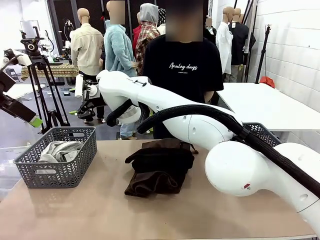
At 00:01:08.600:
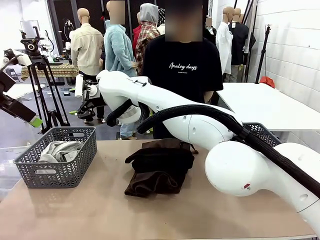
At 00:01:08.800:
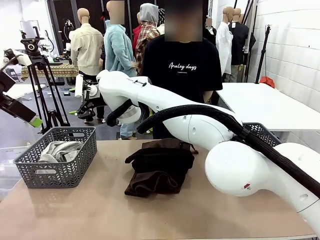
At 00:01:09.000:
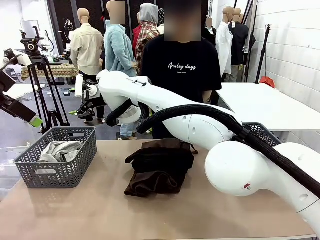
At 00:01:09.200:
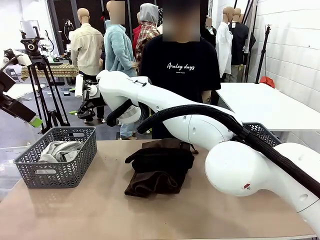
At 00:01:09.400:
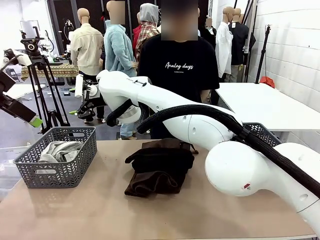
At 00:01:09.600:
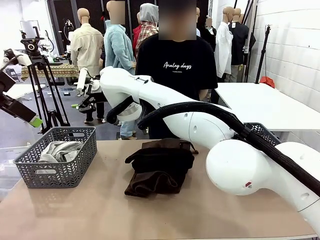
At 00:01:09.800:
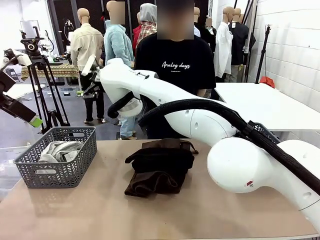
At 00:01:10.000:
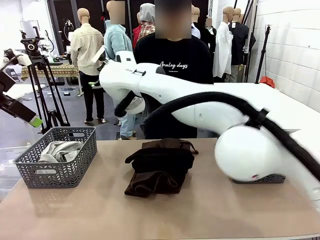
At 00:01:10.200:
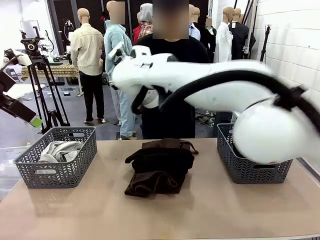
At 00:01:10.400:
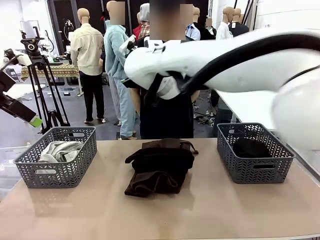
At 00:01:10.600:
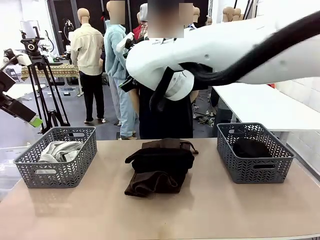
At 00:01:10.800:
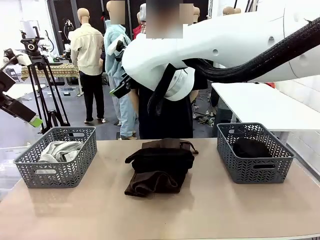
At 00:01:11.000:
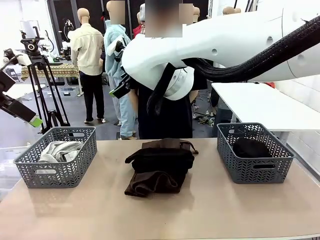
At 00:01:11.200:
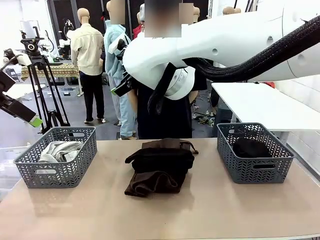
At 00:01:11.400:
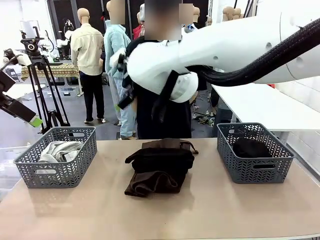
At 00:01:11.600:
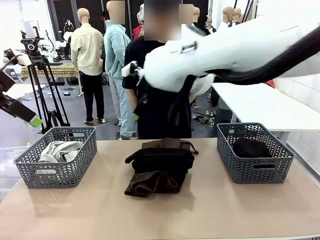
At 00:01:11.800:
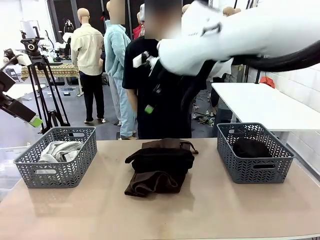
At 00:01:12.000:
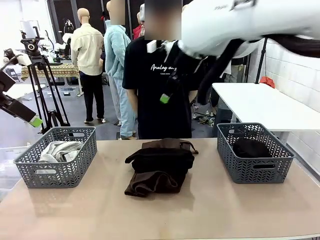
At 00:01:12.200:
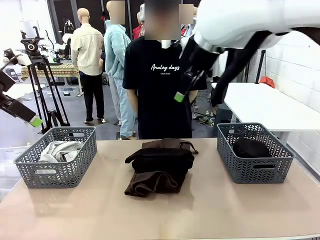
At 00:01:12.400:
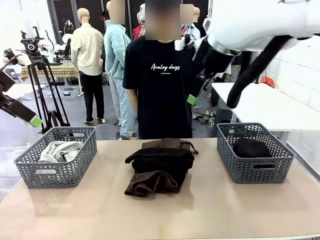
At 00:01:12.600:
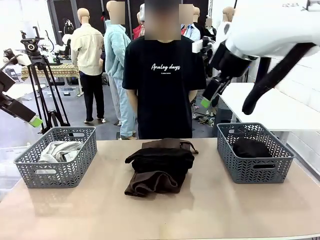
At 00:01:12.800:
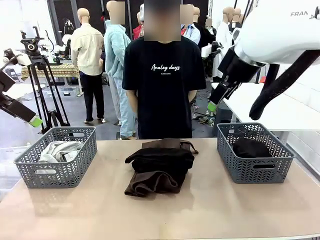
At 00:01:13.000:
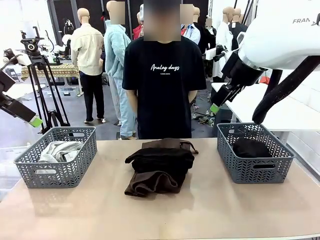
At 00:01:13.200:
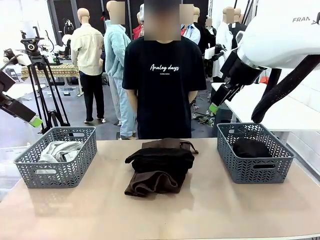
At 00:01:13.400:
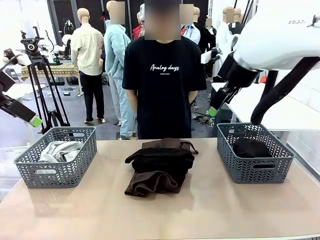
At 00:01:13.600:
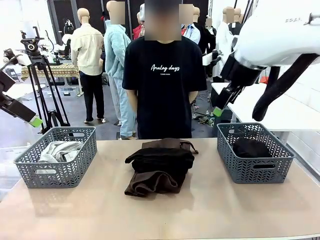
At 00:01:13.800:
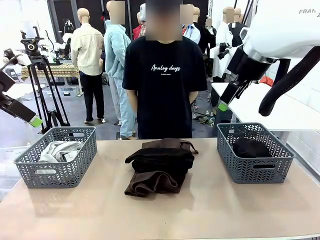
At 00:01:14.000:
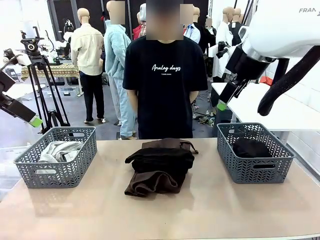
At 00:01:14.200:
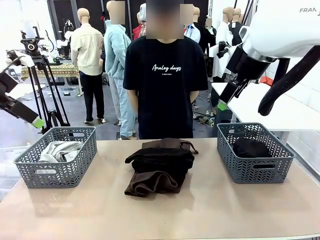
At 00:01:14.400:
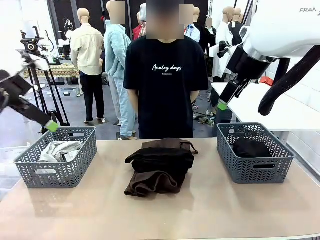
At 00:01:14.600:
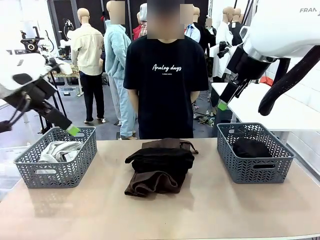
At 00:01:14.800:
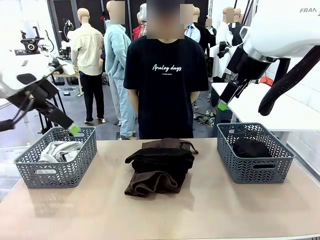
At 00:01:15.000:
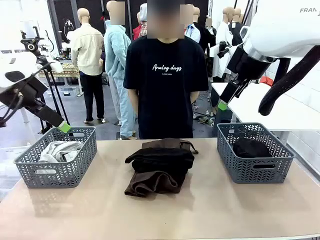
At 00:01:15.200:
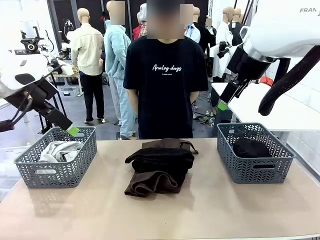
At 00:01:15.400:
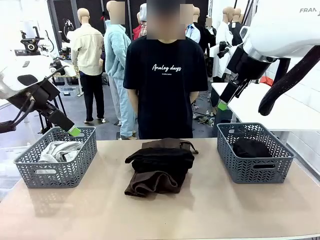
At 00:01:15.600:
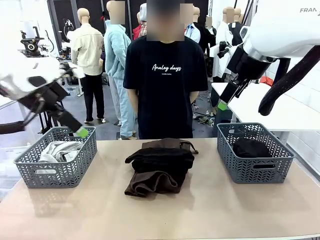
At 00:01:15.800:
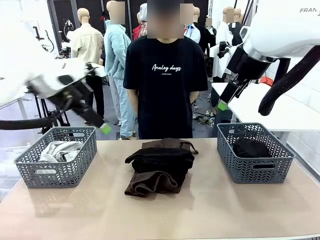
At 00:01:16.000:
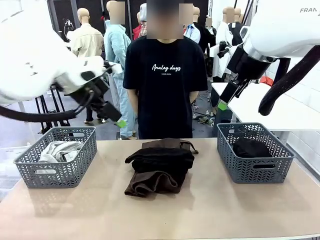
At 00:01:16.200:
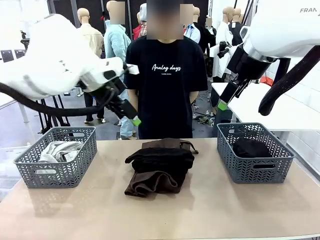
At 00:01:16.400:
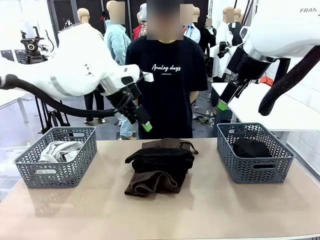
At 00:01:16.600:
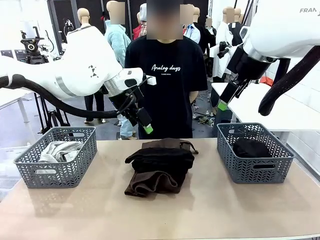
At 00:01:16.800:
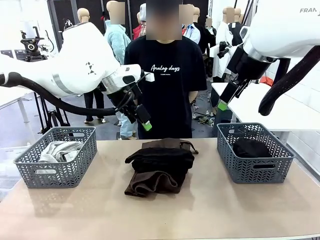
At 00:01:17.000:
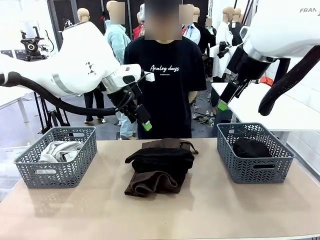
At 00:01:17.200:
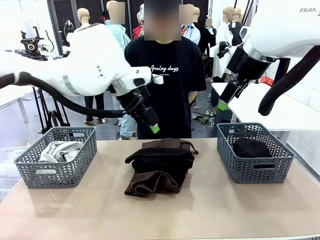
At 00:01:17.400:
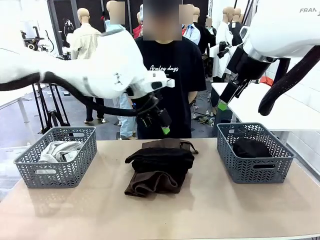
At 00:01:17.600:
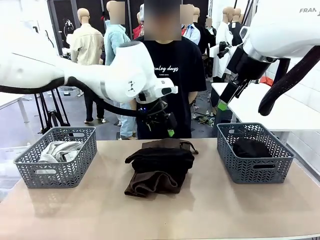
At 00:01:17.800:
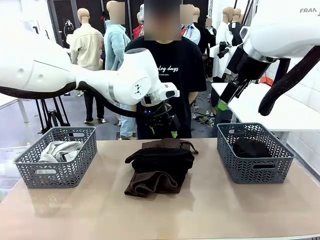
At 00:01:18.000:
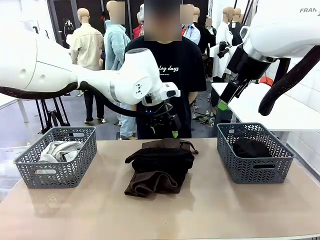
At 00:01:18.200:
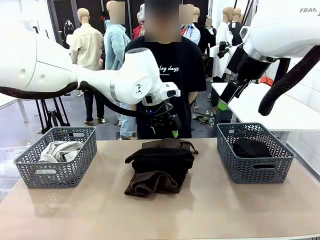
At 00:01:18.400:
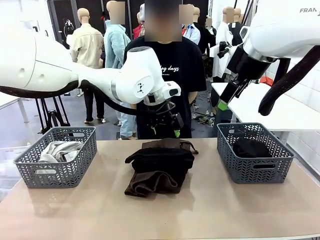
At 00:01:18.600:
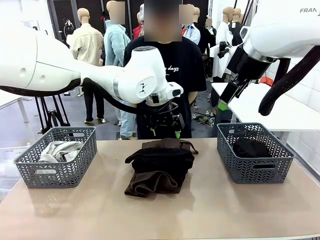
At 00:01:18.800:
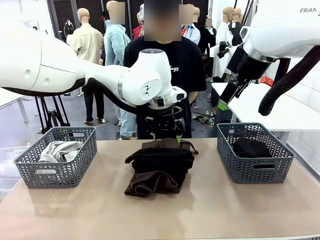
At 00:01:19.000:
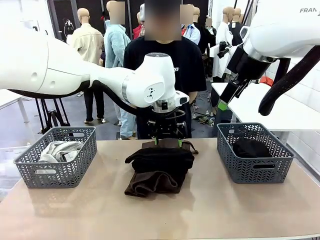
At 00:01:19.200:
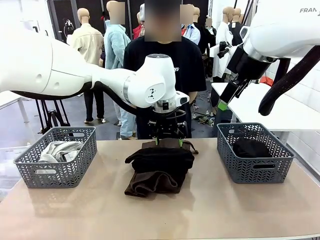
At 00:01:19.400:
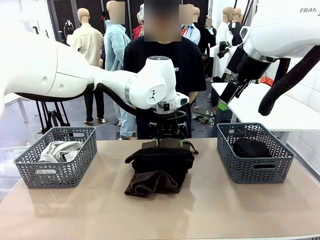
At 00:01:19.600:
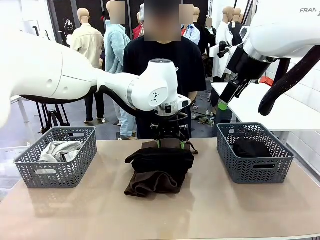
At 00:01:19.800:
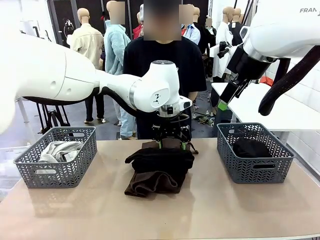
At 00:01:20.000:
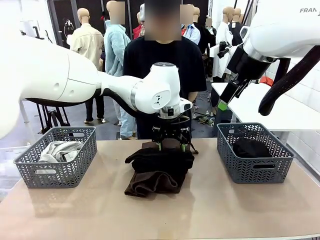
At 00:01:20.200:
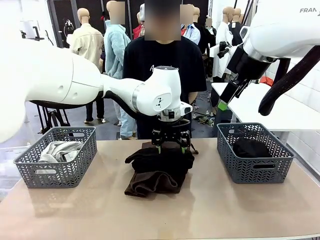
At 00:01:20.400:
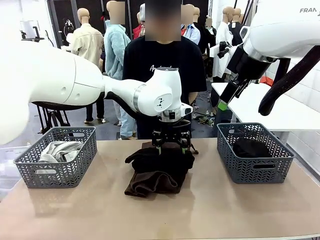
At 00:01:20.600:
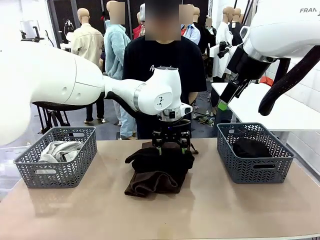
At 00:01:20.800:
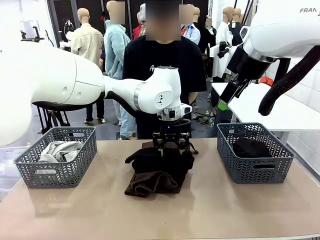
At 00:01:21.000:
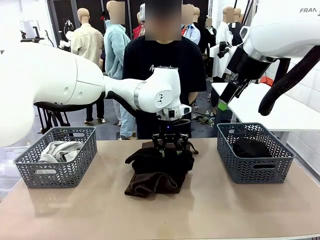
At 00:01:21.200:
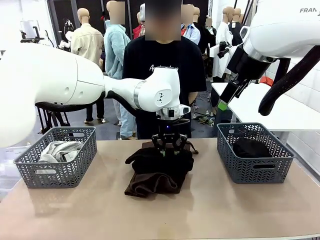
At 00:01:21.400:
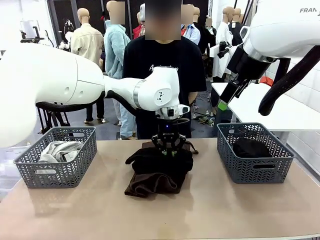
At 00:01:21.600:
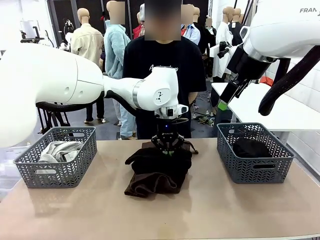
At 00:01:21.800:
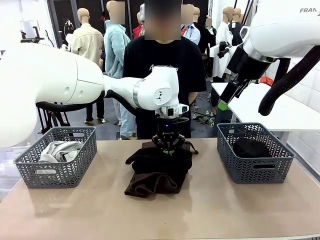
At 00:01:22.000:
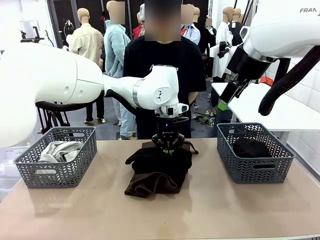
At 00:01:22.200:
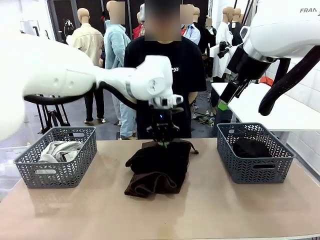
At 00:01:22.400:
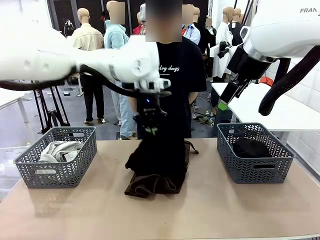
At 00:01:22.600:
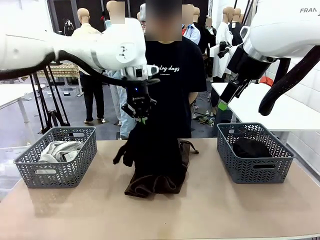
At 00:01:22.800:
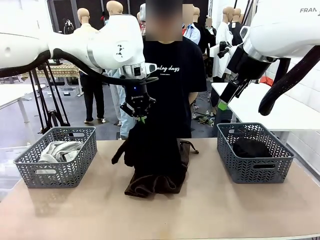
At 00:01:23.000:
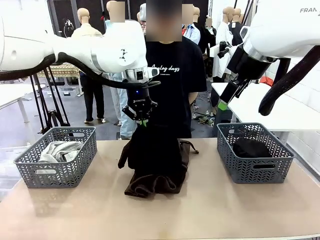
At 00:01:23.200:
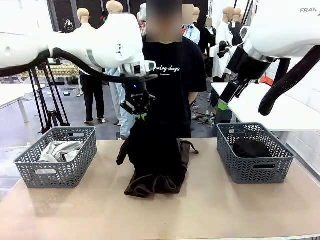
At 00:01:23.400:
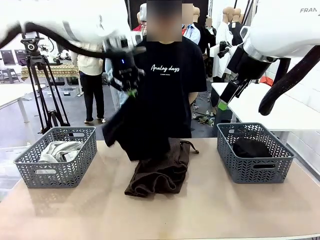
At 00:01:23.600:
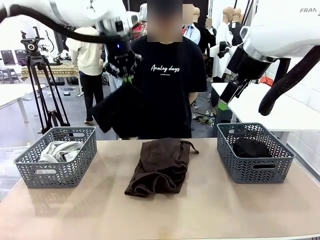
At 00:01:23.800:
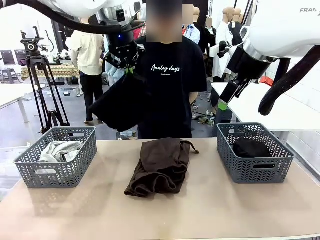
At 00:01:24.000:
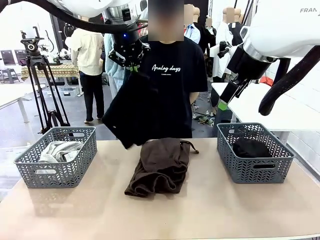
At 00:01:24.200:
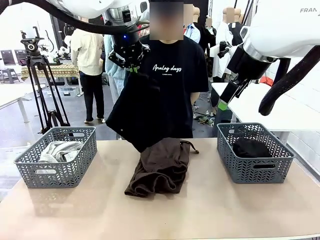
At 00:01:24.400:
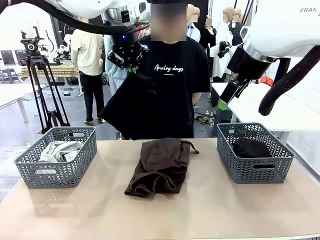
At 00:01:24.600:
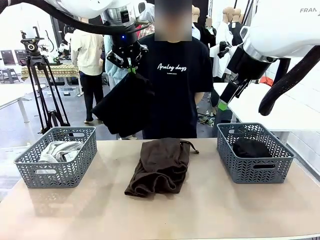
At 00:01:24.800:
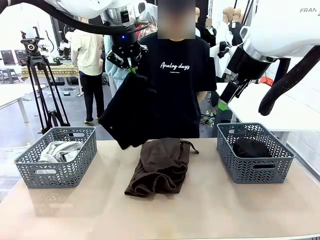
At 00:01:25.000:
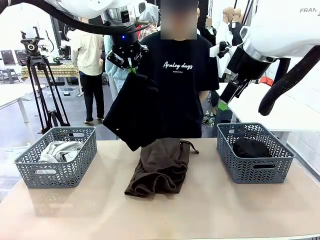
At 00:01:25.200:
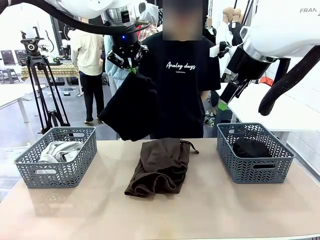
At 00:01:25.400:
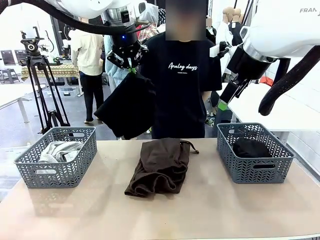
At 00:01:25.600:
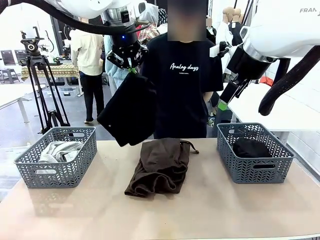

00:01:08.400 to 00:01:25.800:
Task: Sort the tops and bottoms.
Robot: Lift clothes from the center of the table with your left hand.

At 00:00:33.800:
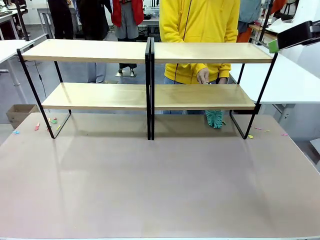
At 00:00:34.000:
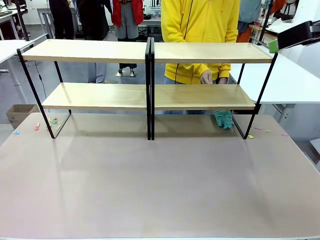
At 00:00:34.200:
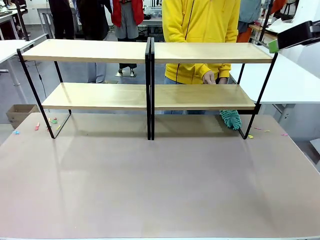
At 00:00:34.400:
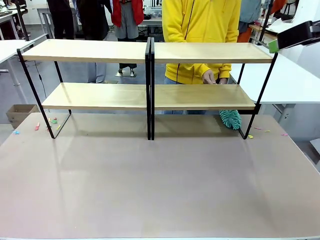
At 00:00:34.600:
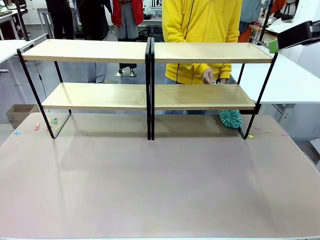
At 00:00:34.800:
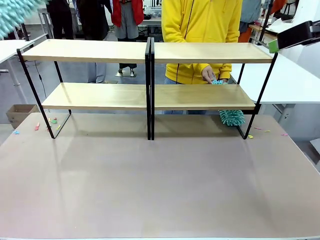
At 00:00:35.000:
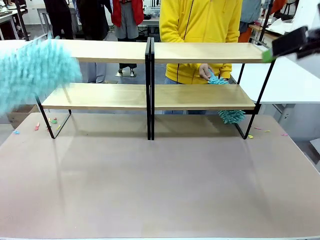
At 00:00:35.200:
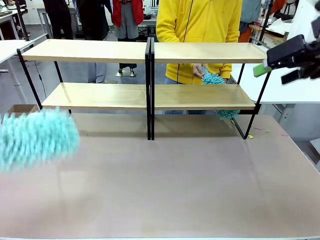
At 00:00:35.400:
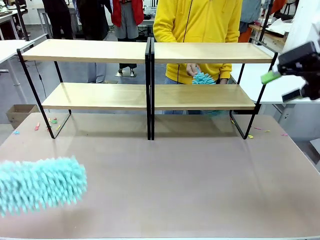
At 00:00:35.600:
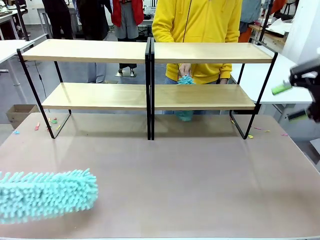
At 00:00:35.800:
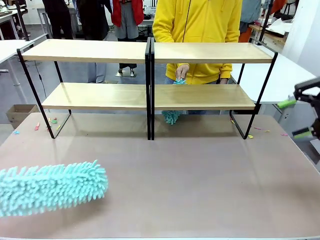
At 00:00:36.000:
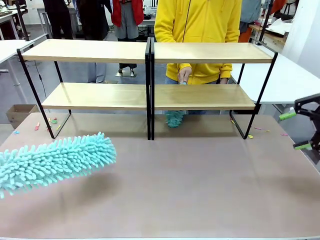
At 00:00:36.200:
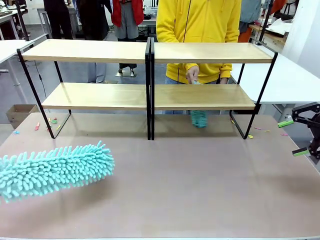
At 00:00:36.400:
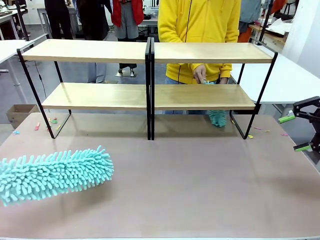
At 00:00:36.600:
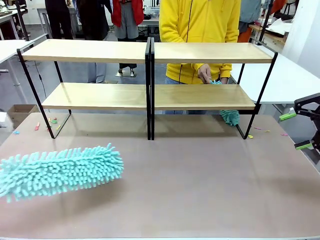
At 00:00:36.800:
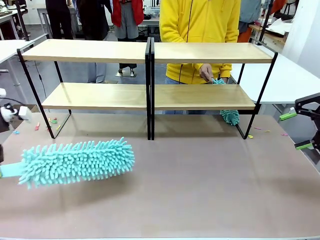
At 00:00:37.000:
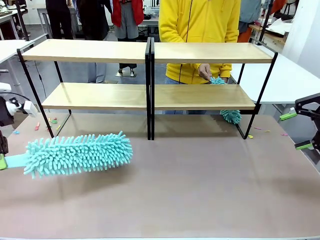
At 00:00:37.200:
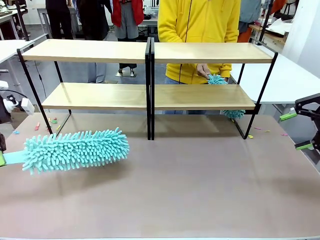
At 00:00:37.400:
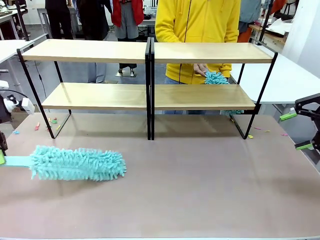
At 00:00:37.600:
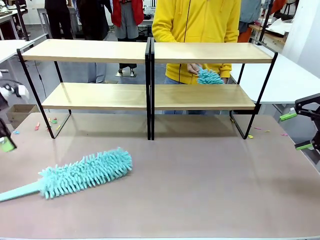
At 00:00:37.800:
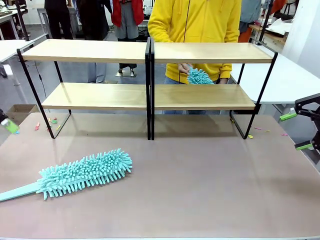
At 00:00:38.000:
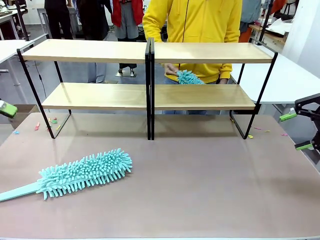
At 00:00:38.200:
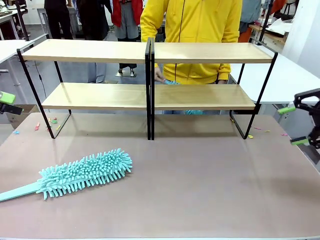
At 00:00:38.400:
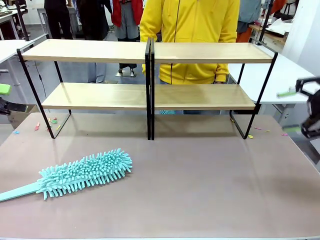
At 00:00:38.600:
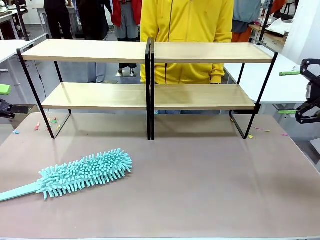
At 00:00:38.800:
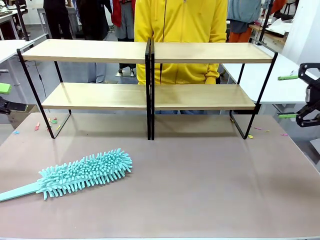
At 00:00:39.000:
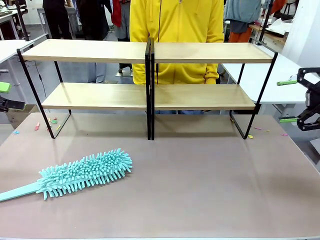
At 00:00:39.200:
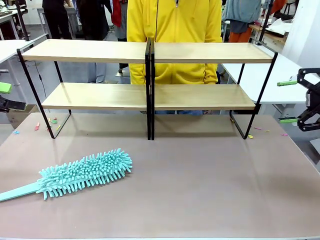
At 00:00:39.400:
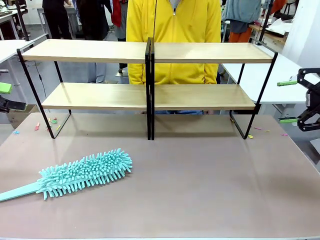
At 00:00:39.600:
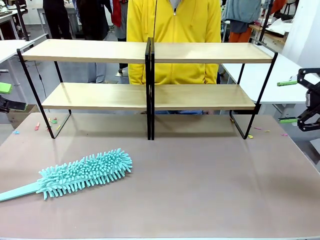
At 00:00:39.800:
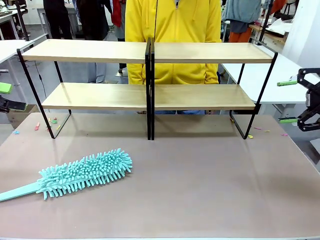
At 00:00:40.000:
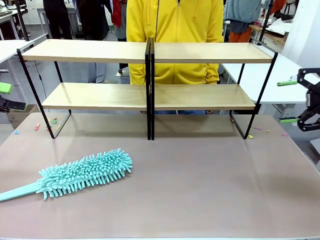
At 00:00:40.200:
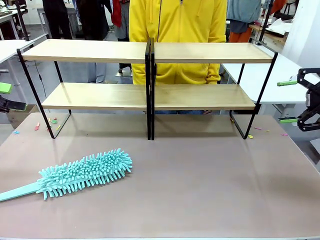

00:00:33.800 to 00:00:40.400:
Task: Clean the shelves.
Robot: Place the Duster on the table.
